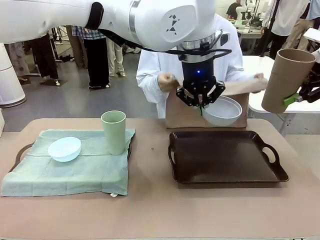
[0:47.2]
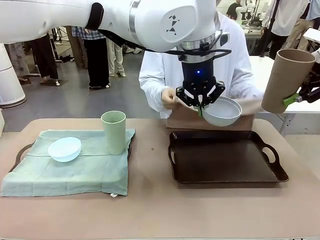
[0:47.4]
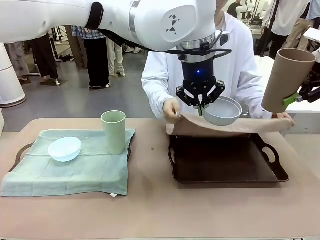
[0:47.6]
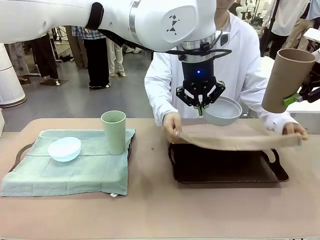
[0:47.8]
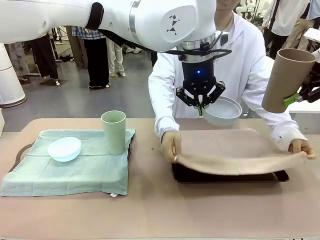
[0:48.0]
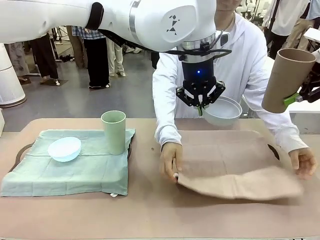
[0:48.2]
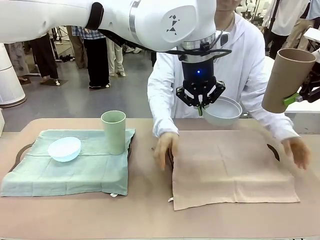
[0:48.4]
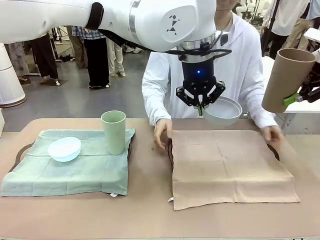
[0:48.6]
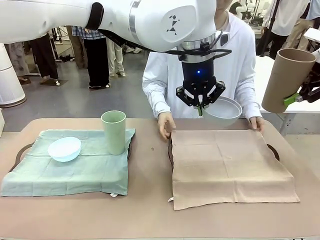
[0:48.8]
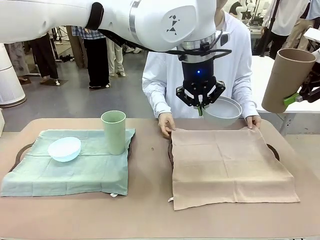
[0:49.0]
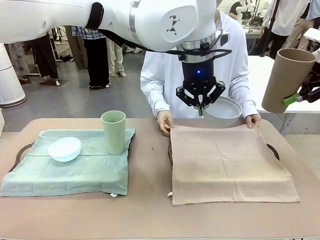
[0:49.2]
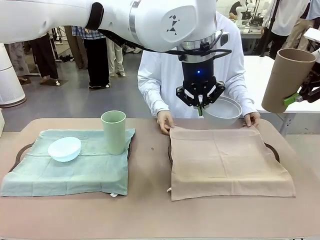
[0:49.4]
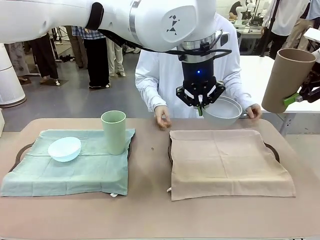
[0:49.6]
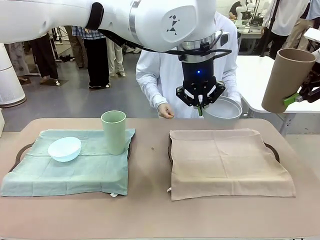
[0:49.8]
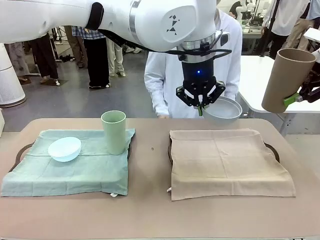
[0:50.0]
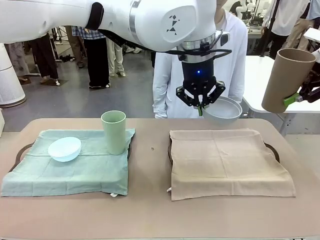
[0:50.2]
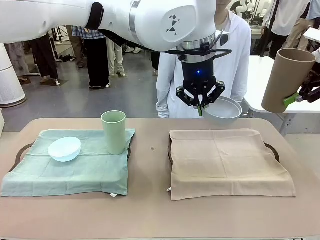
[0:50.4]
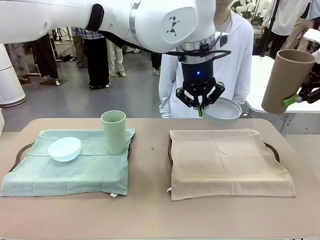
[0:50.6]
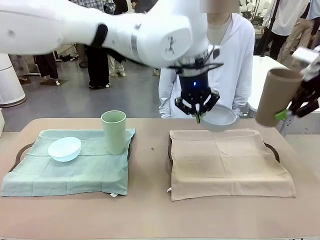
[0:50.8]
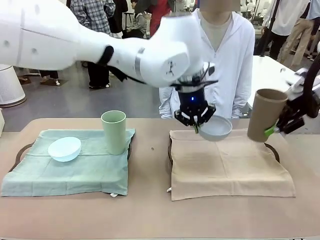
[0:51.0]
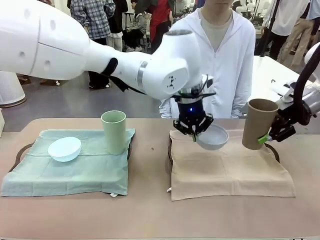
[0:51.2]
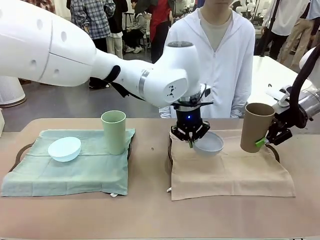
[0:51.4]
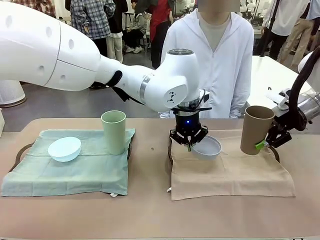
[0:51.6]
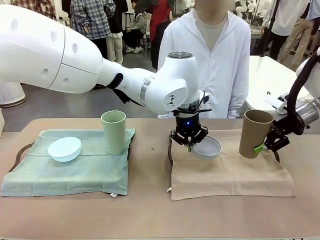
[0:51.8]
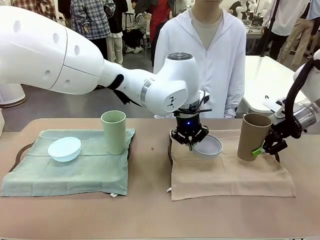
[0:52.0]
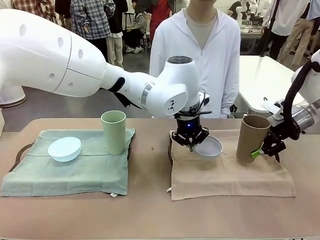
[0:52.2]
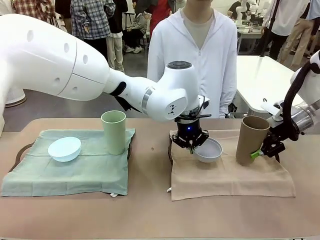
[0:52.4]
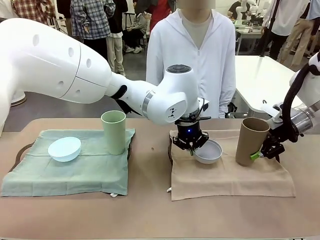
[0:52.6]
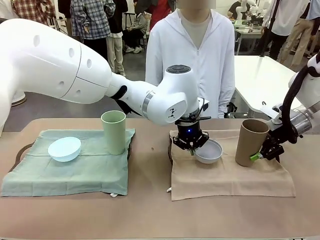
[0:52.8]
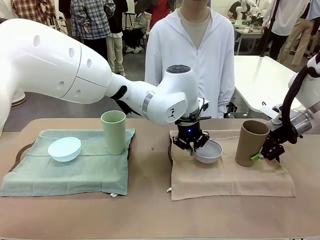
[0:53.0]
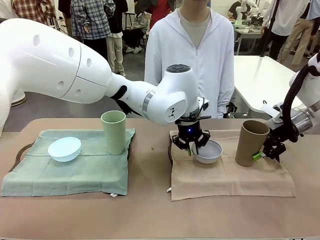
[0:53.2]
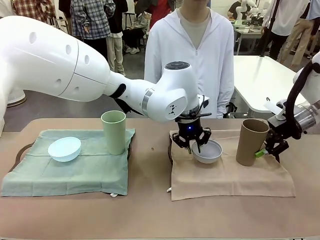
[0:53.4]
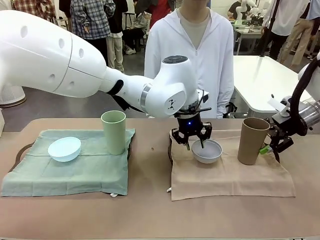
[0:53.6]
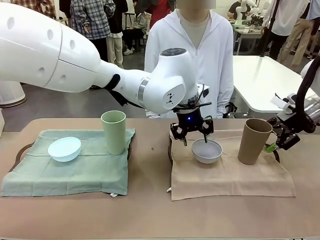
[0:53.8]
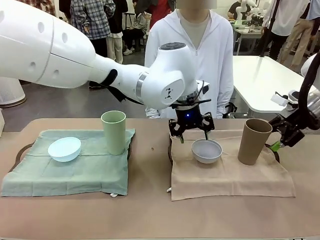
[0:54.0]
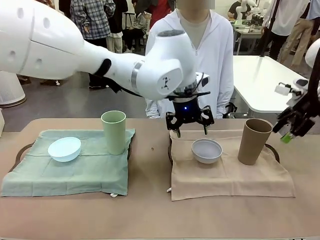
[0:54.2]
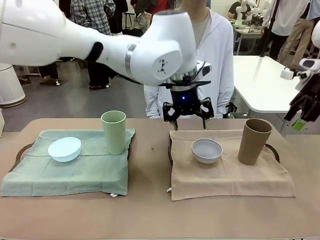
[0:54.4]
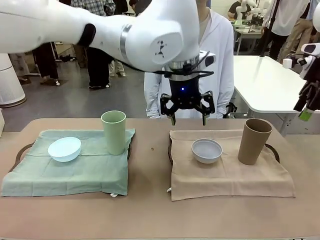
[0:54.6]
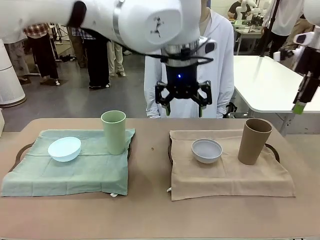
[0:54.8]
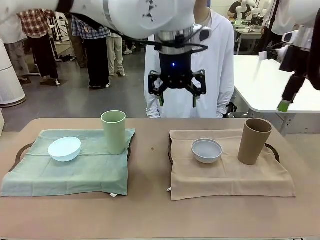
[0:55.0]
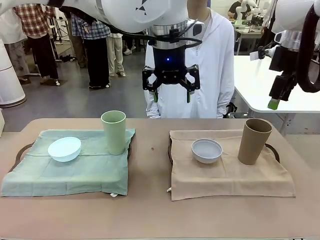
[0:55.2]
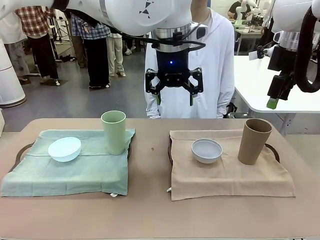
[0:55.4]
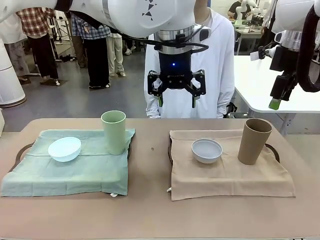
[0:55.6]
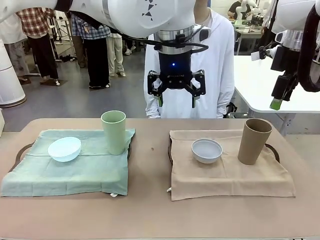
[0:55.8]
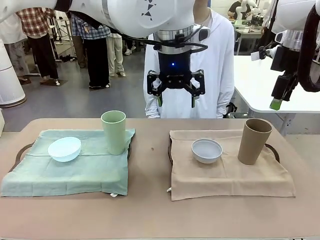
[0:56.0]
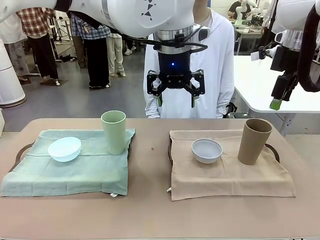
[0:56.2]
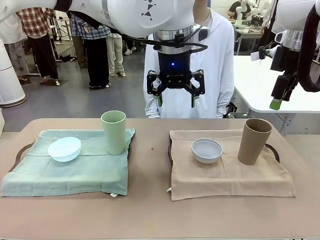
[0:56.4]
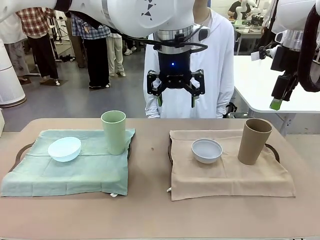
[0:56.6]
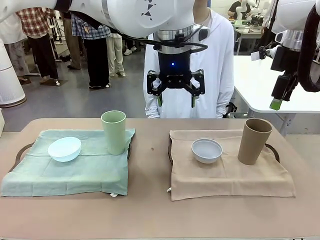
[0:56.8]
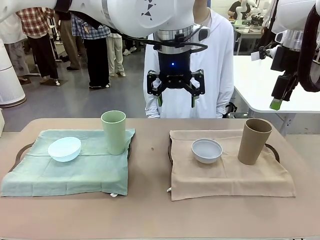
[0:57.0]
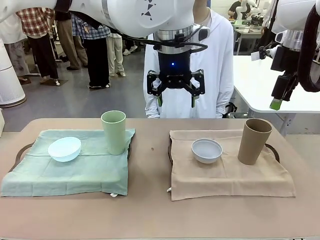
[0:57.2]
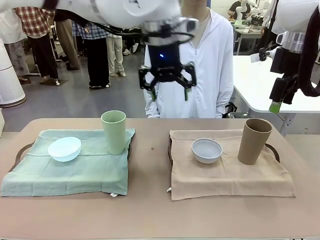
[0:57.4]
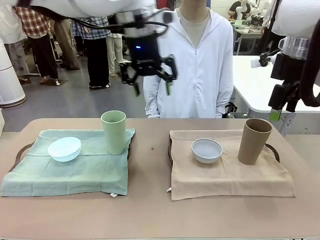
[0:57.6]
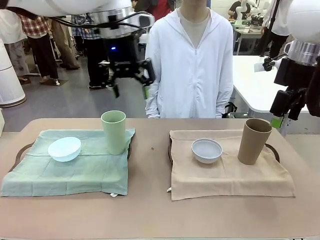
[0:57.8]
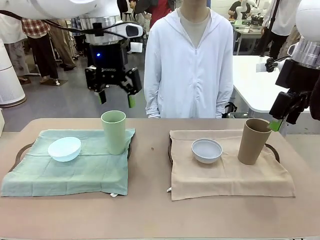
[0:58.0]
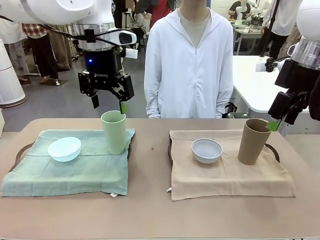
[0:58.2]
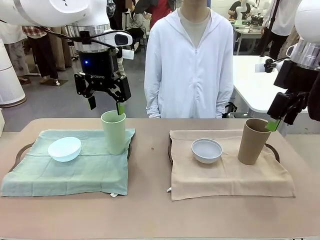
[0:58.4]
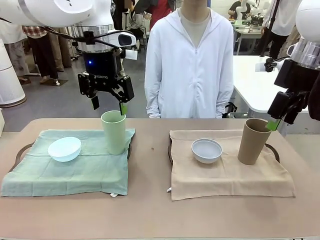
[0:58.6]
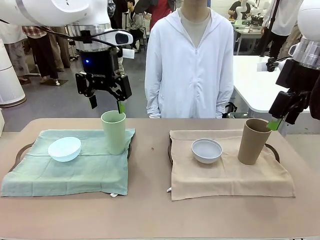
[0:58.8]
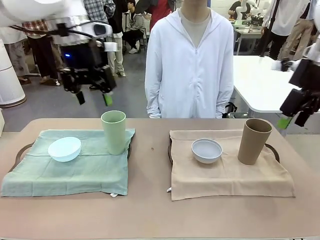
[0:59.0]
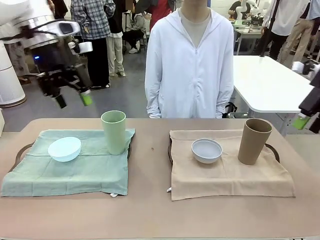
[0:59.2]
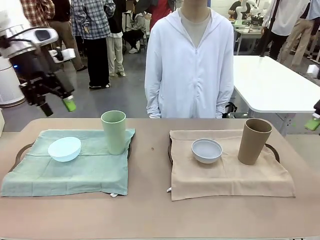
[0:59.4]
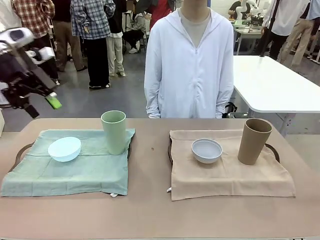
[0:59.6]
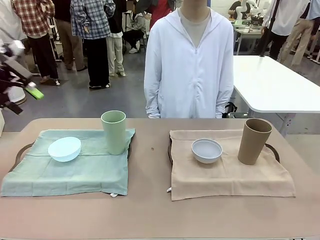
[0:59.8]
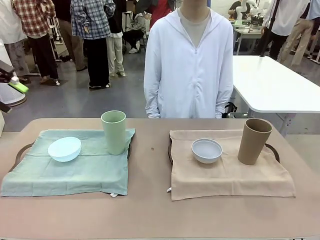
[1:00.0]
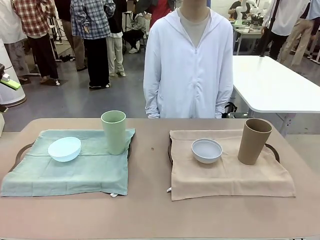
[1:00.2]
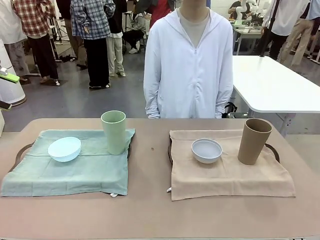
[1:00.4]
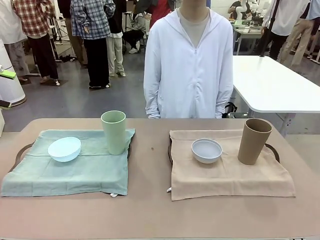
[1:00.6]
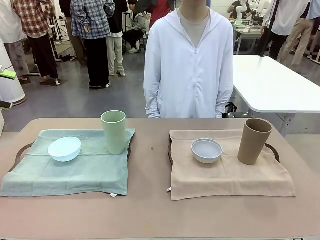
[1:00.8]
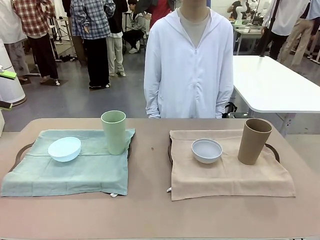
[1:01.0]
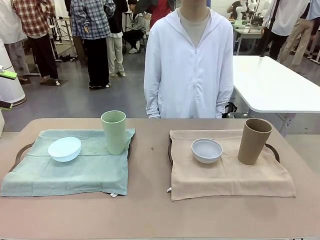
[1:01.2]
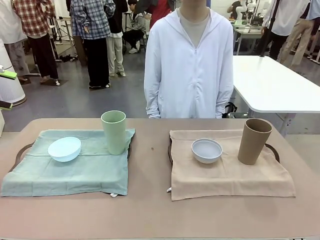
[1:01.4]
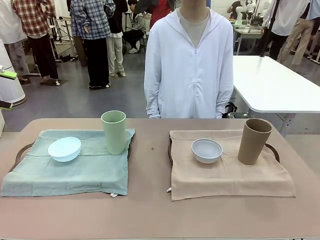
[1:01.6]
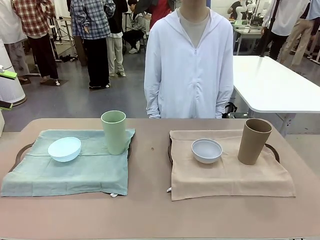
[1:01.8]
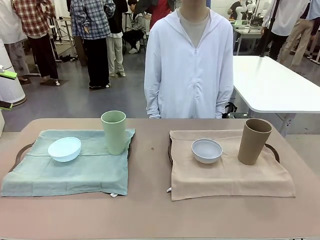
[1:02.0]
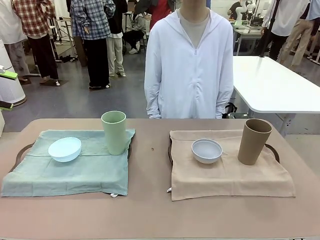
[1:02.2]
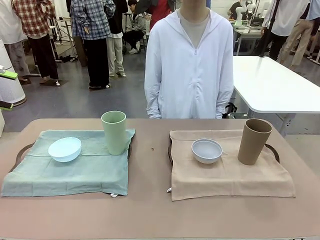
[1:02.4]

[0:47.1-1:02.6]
Robot: Place the Picnic Bowl and Reusable plastic cup back onto the Handle tray in front of the human's position.
Person: When the robot lifts the bowl and the cup, the human unfolds the napkin and lays the napkin flat on the tray.

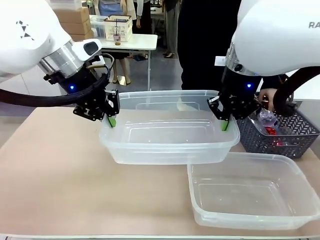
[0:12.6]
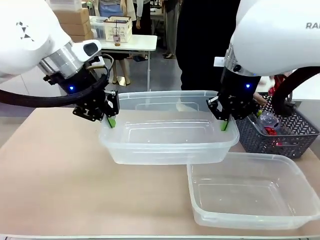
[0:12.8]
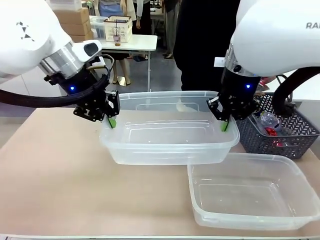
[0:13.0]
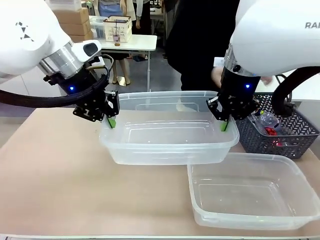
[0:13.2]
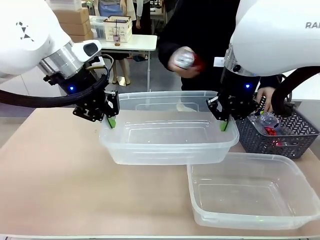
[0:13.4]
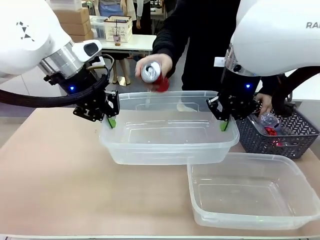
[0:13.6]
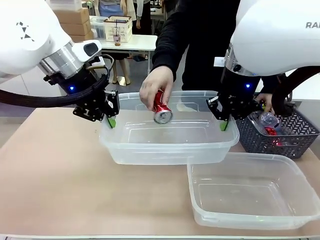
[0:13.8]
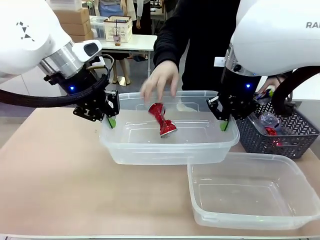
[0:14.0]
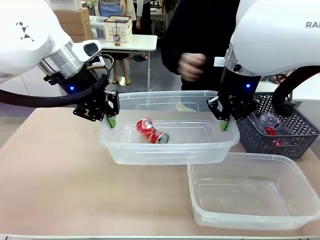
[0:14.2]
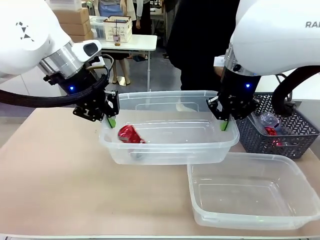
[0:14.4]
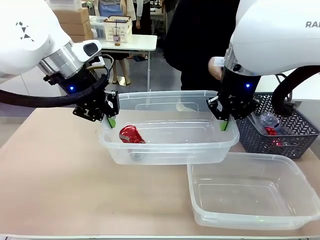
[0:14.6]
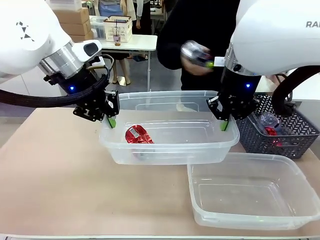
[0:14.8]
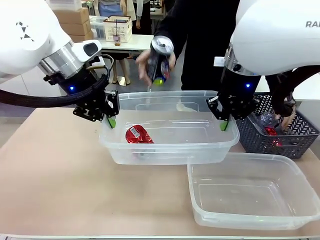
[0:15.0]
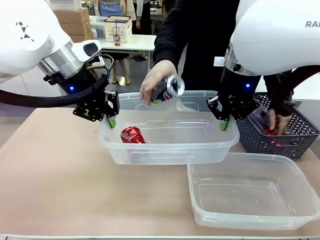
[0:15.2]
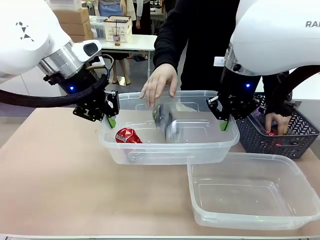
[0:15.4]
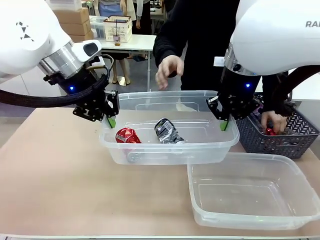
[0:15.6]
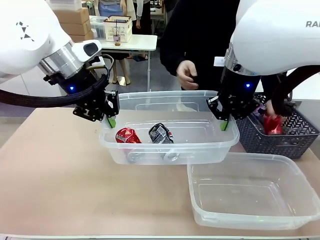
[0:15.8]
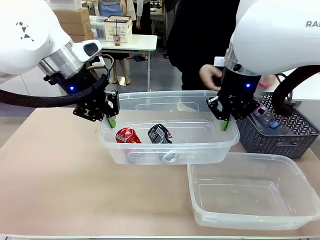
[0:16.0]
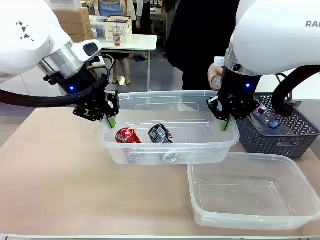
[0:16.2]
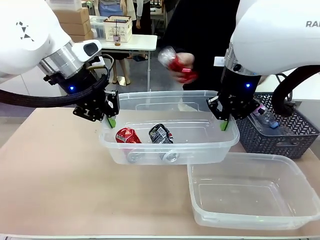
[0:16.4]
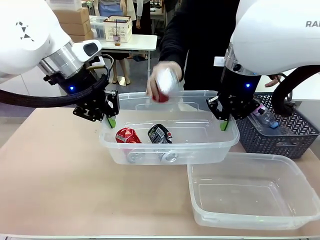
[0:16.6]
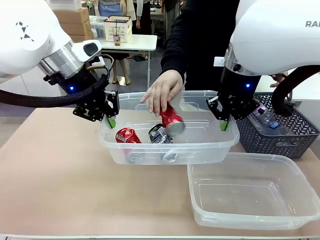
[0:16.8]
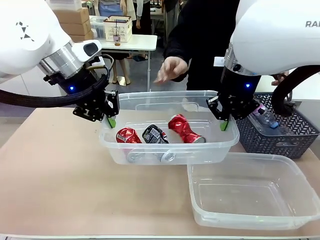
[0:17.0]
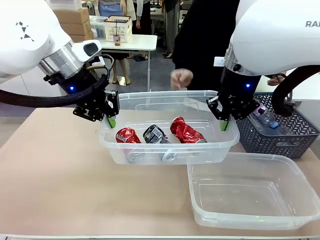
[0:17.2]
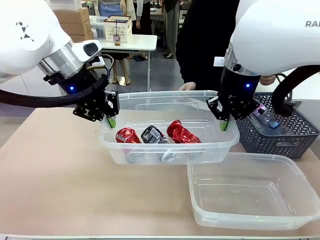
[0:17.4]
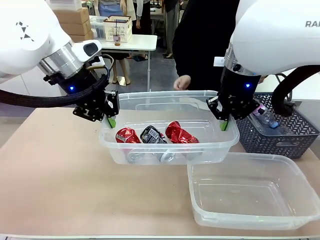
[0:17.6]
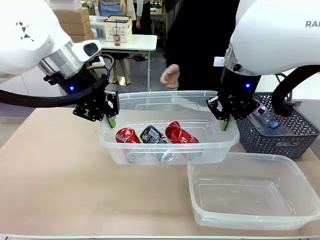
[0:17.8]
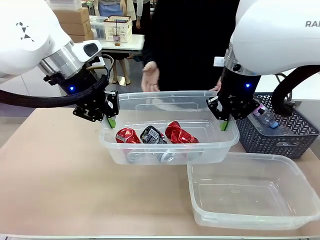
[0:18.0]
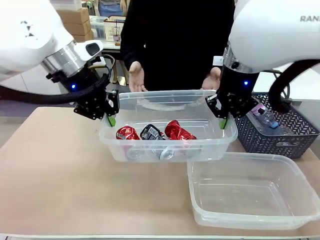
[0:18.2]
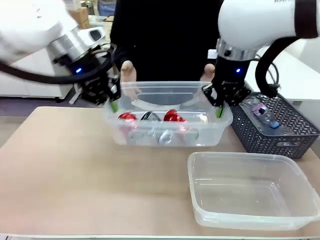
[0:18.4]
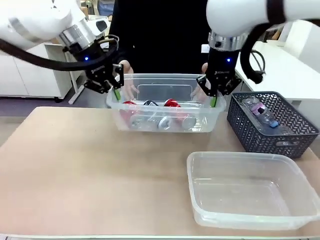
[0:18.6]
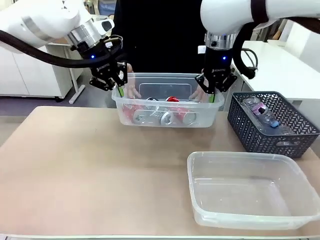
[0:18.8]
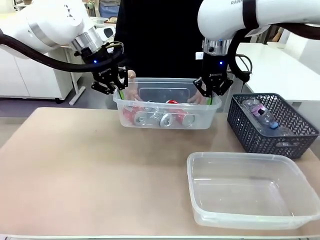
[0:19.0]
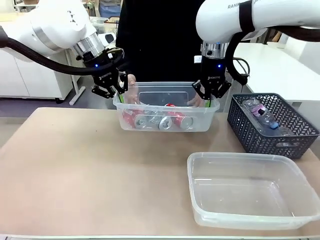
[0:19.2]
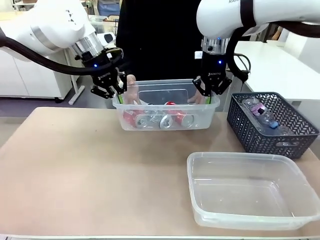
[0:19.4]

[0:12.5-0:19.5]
Robot: Offer the picked Organizing box to the human.

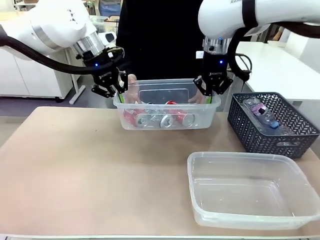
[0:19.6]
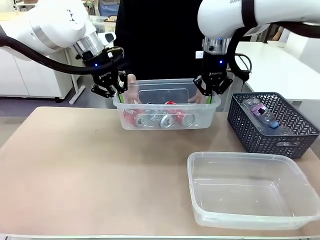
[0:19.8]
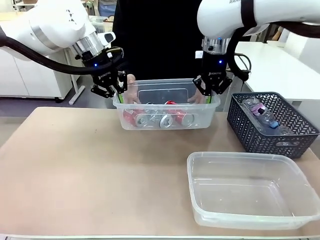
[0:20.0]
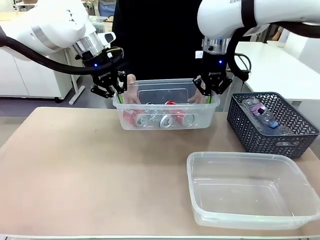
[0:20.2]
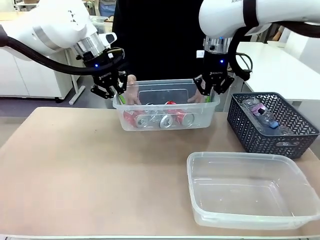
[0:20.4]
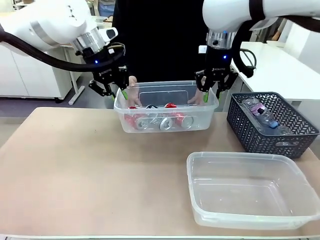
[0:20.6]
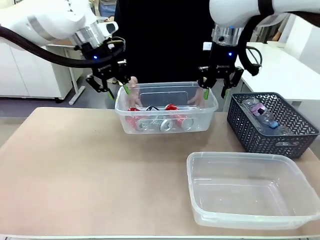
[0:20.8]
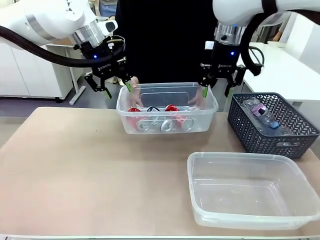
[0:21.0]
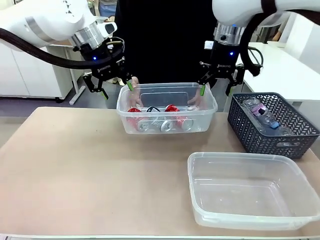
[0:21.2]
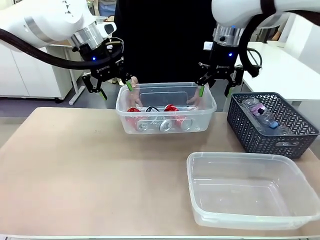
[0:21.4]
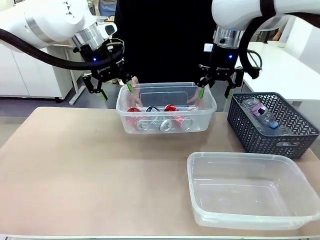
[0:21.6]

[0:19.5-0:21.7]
Robot: Release the Organizing box you were holding.
